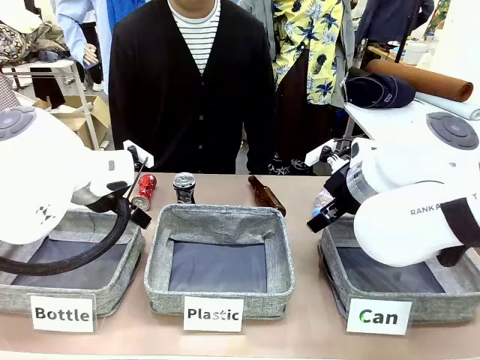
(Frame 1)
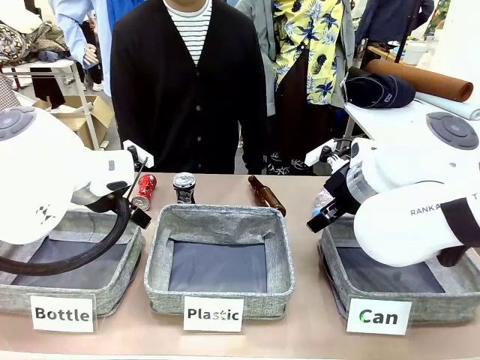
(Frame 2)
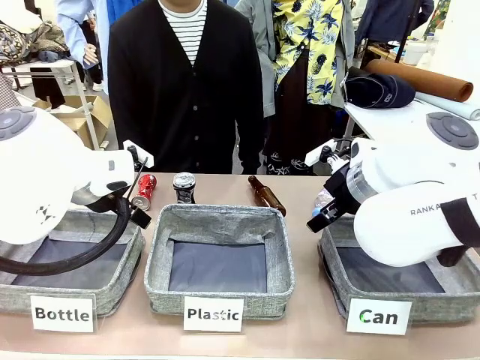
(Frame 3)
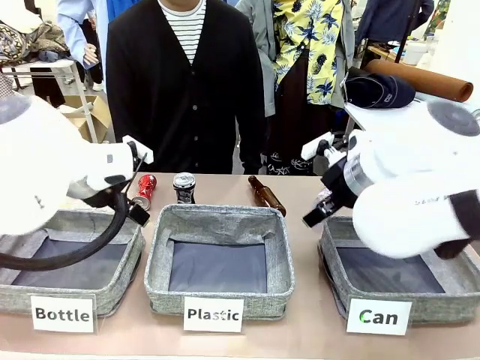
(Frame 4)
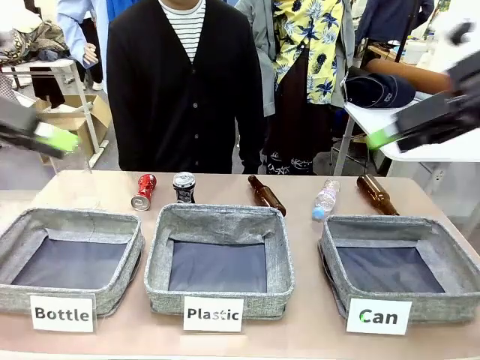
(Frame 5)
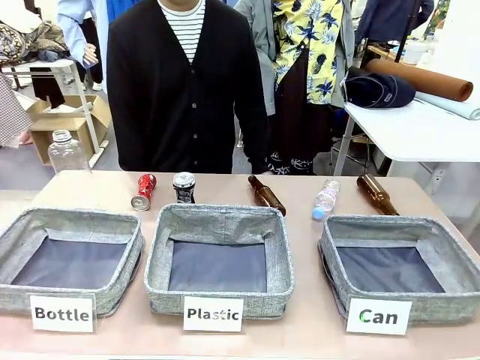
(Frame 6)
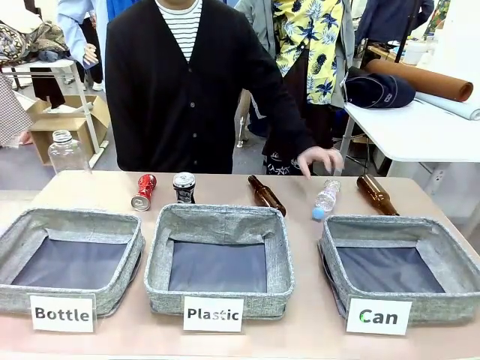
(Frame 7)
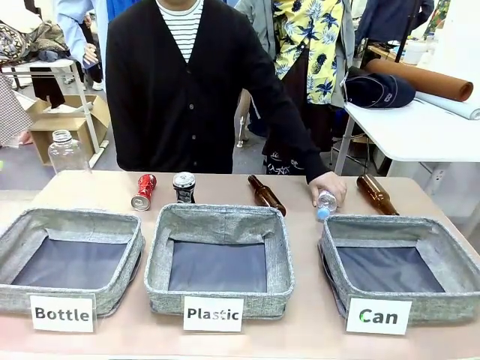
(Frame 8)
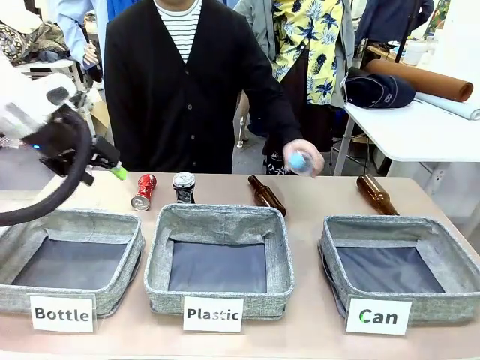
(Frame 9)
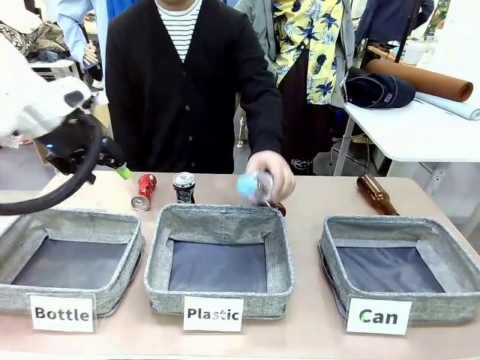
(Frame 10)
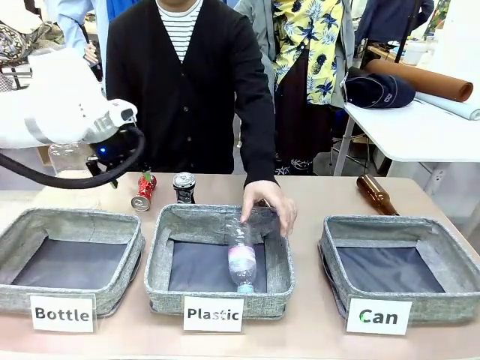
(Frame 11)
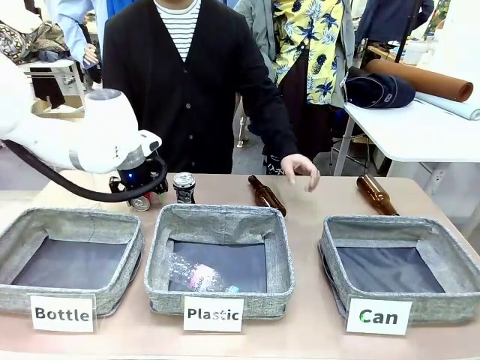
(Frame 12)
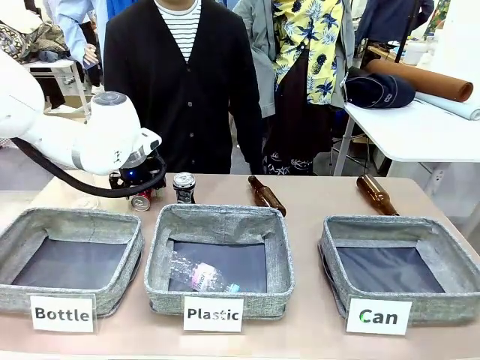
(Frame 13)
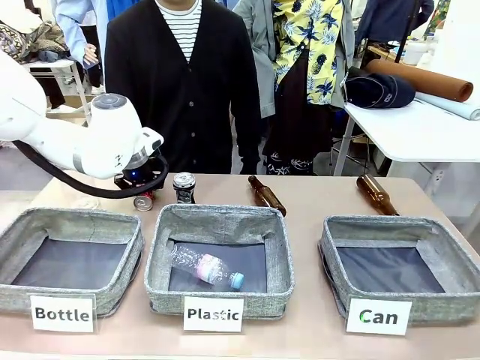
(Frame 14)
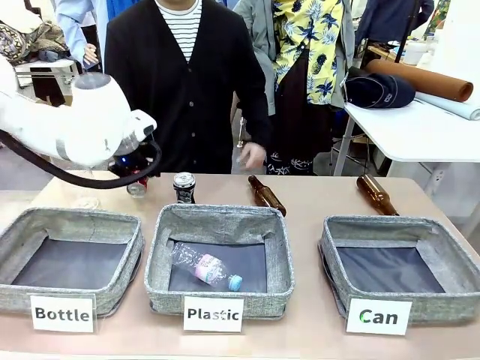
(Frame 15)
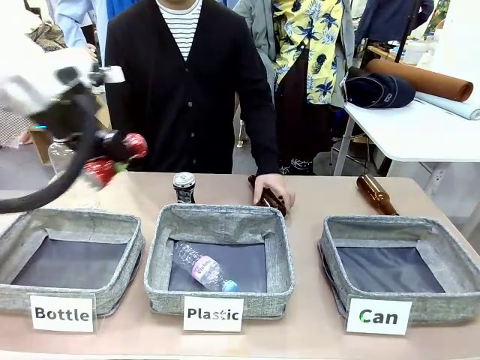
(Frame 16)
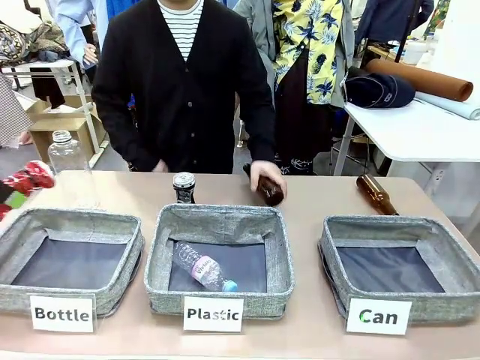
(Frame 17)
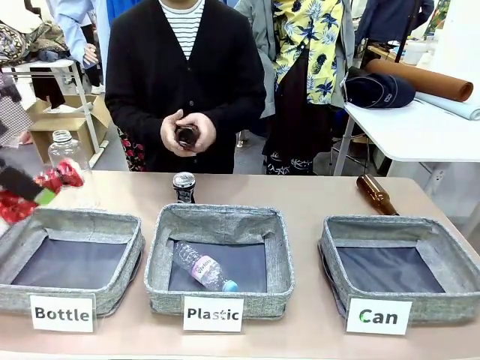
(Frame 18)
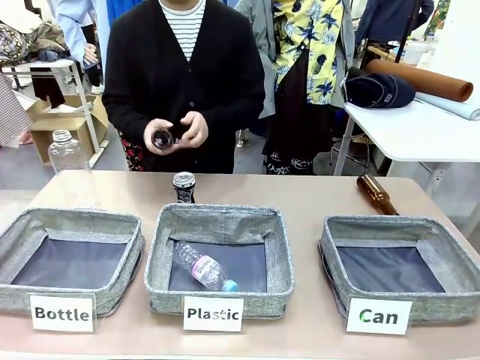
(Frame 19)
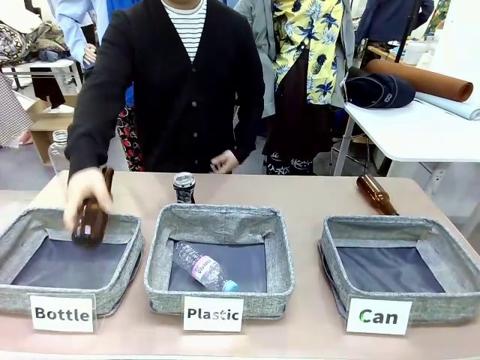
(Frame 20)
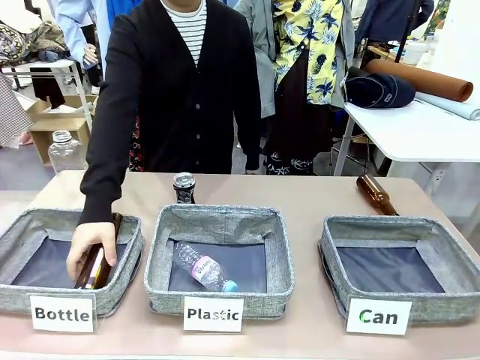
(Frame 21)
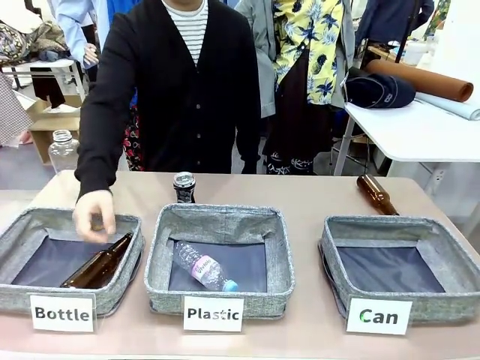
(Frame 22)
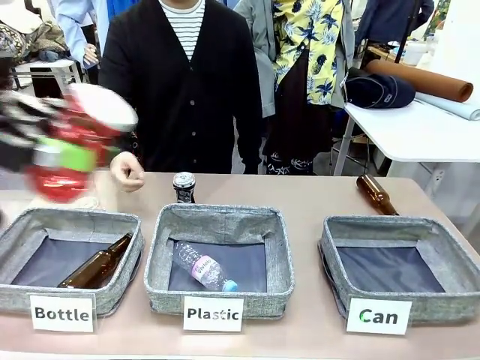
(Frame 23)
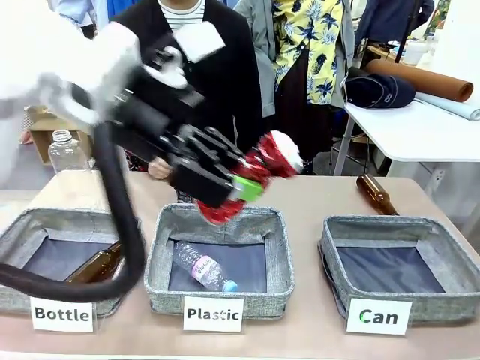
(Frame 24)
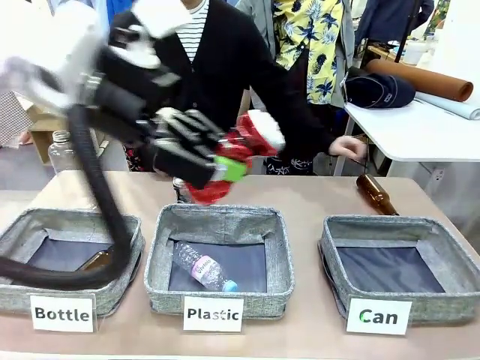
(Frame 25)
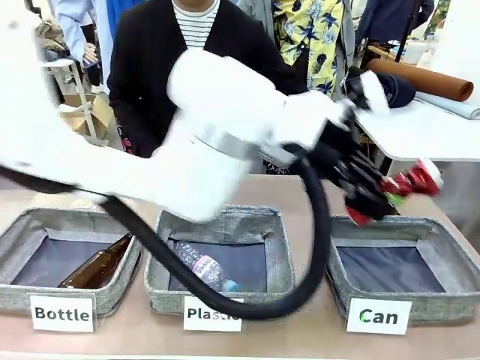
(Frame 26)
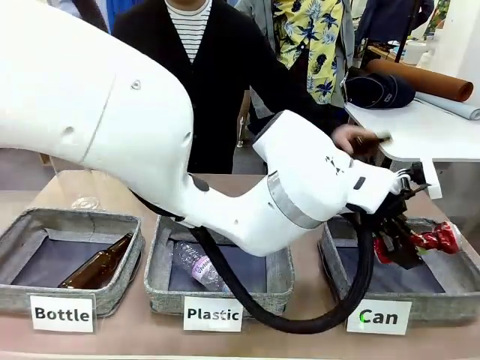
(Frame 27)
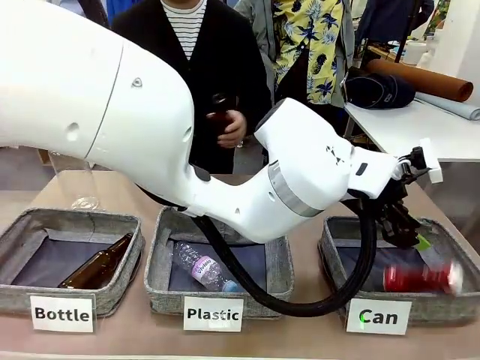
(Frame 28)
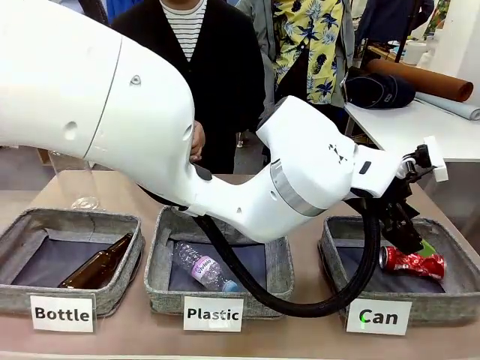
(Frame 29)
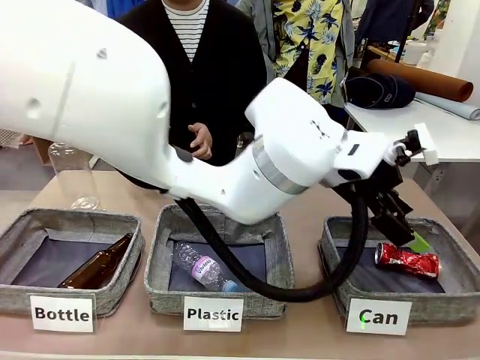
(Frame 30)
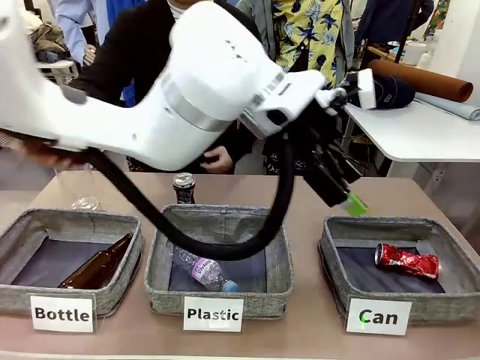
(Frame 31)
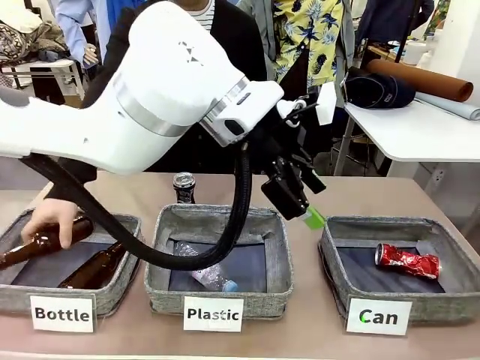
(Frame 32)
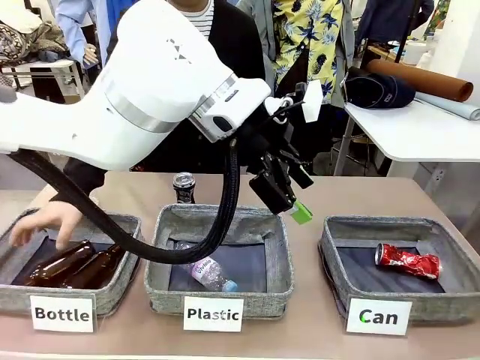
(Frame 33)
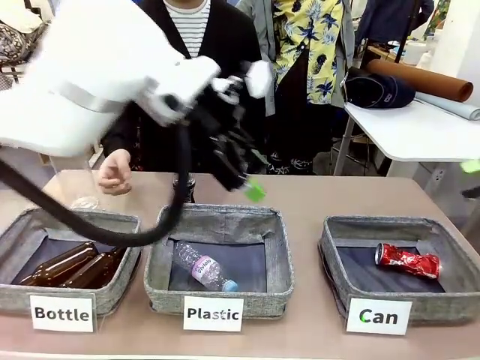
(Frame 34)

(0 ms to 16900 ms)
Task: Sort the can waste into the basket.
Robot: Pick up the can waste from the table and place it in the right Fabric basket.

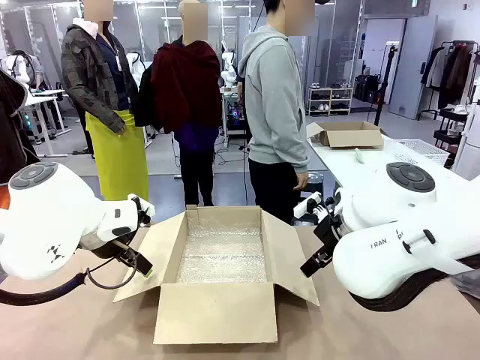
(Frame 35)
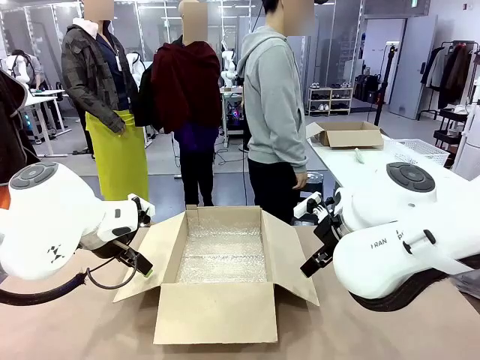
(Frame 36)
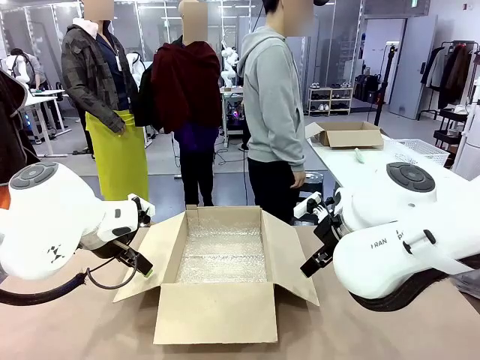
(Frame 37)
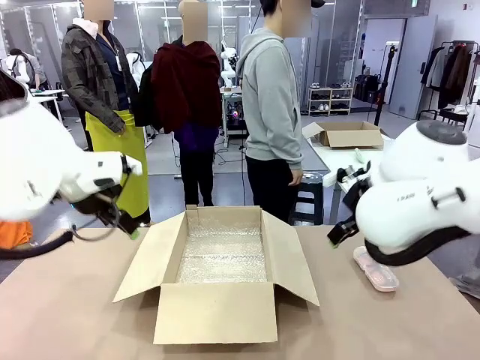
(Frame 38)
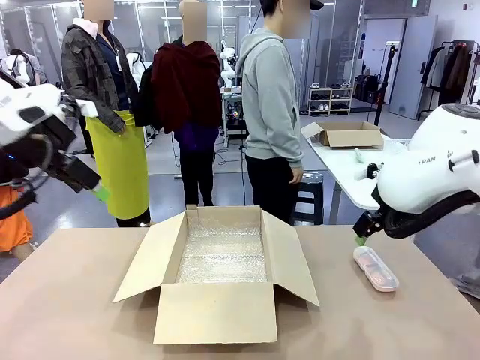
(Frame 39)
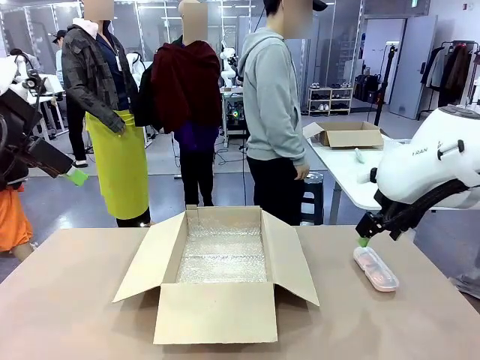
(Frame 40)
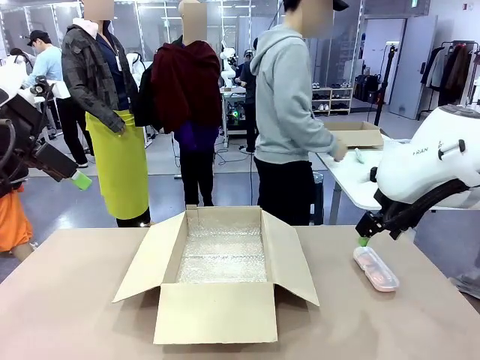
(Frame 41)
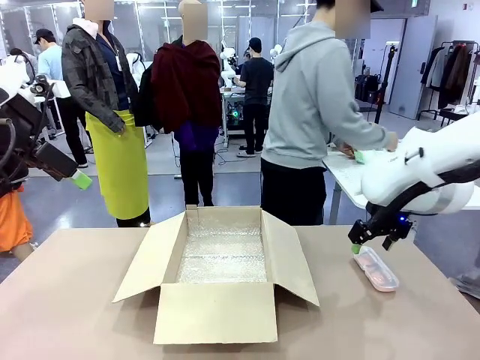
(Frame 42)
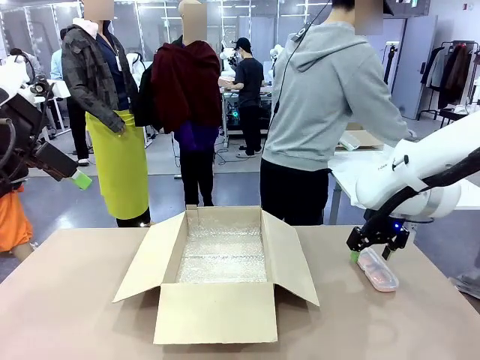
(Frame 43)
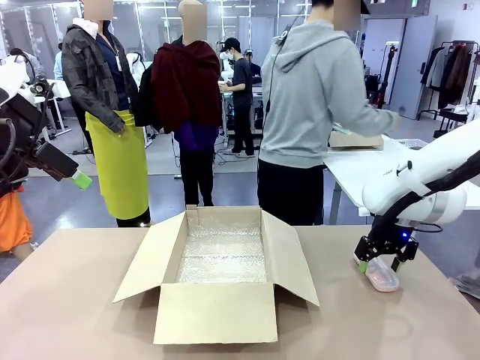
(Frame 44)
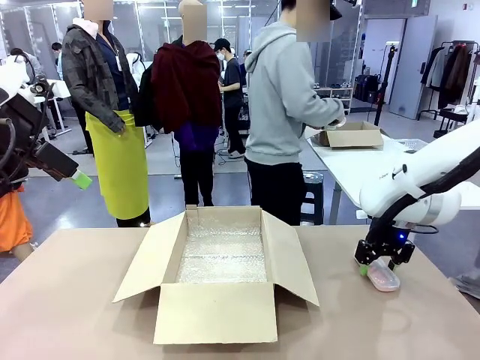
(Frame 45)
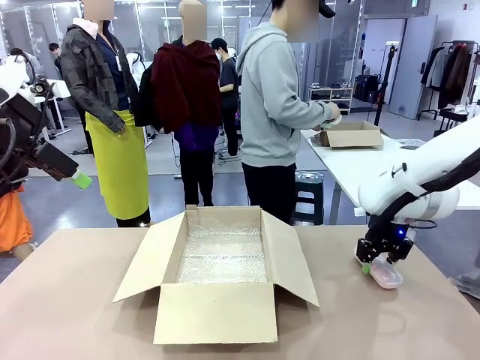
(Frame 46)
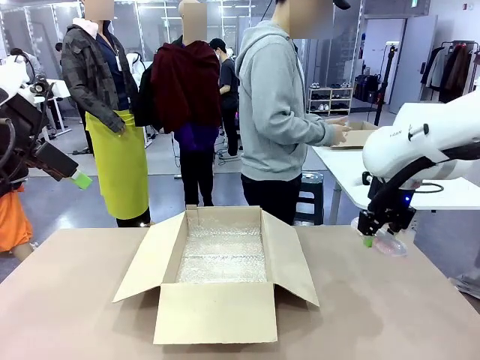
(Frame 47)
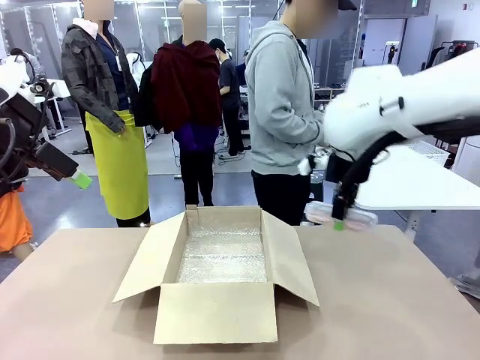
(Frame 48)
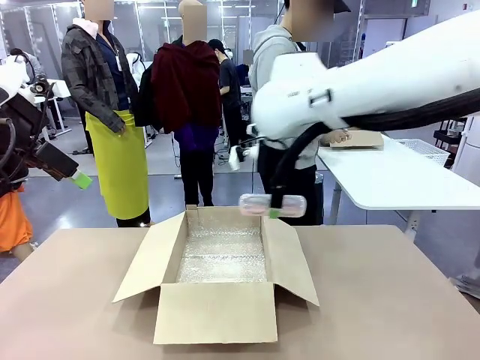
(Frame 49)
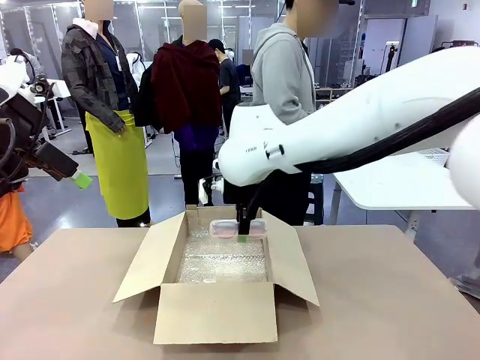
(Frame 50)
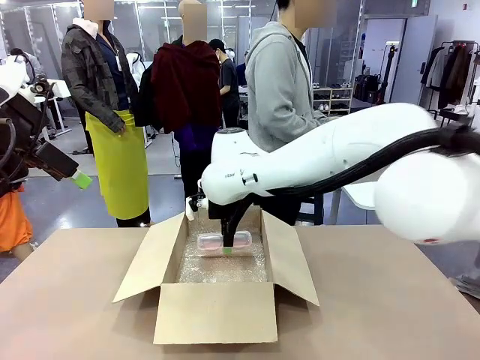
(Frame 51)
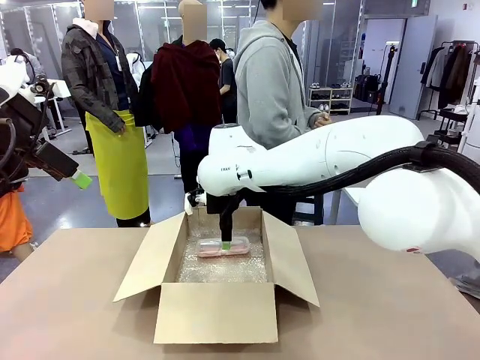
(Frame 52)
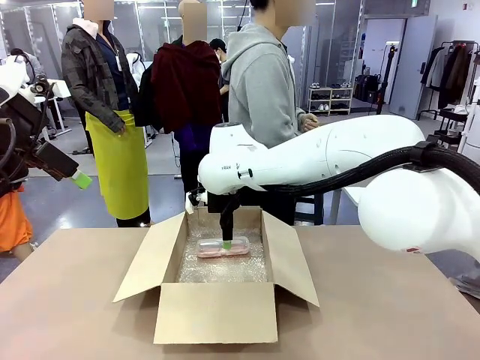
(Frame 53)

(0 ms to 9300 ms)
Task: Pack the glasses set securely to prepare it for shipping.
Robot: Place the Glasses case inside the Package Box.
Person: Place the Glasses inside the Glasses case.
